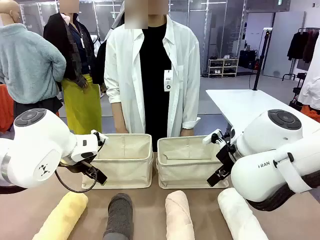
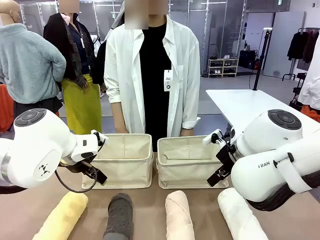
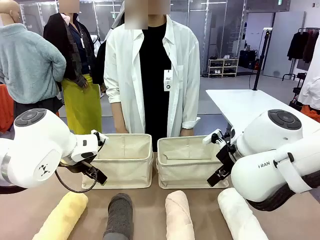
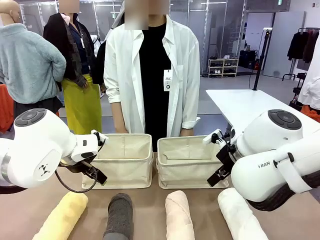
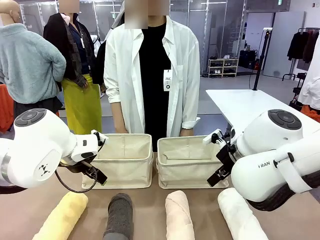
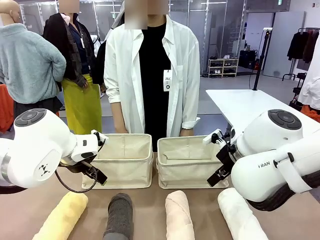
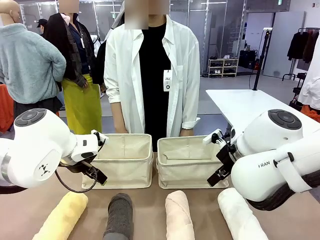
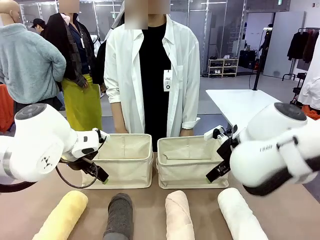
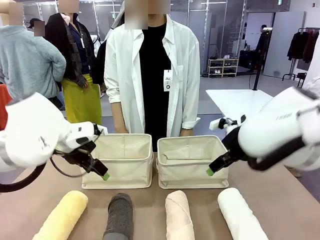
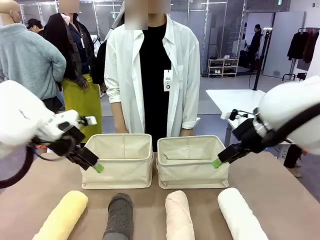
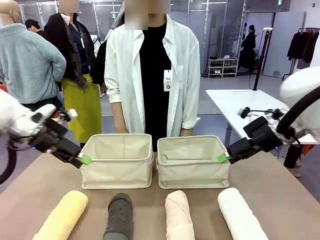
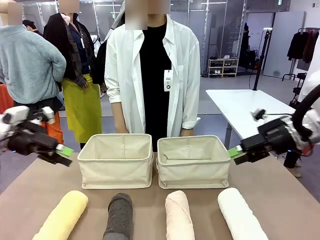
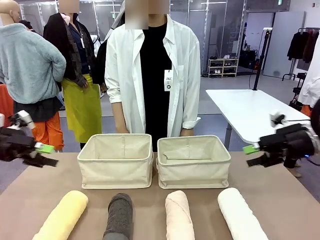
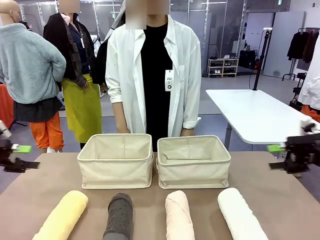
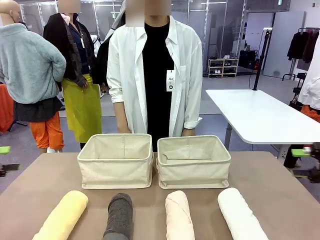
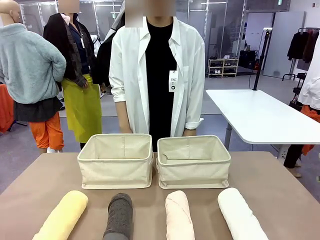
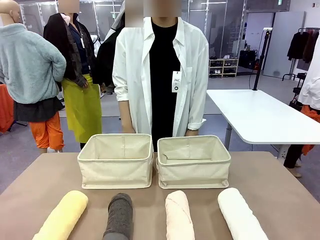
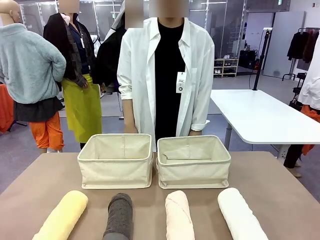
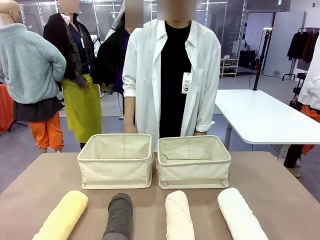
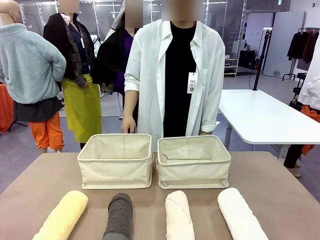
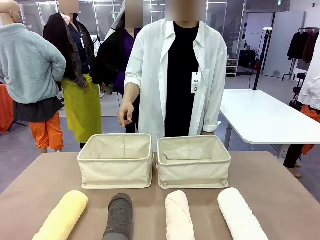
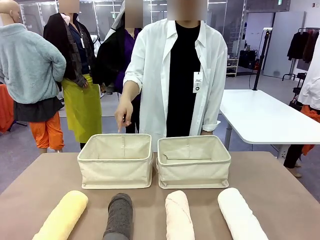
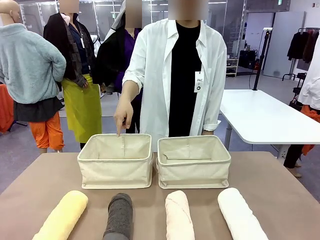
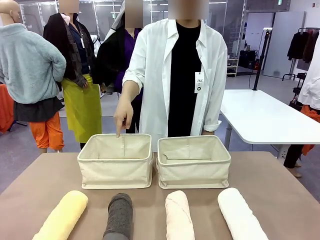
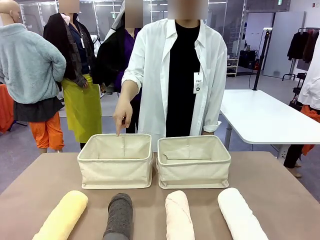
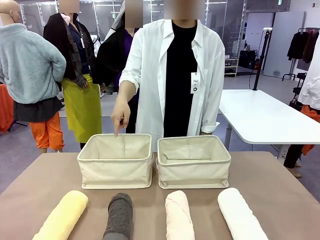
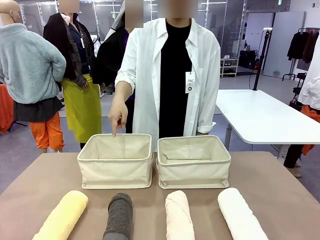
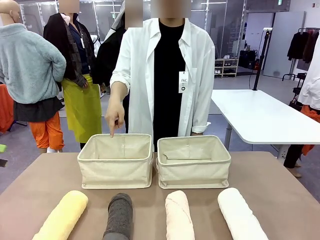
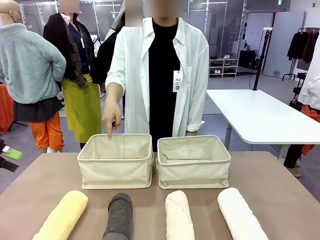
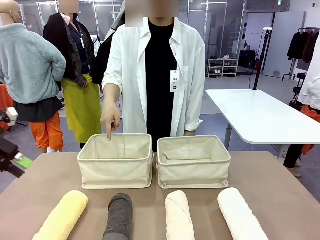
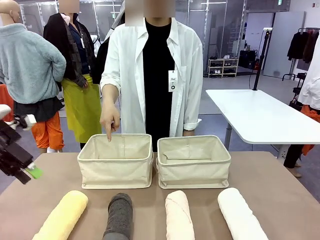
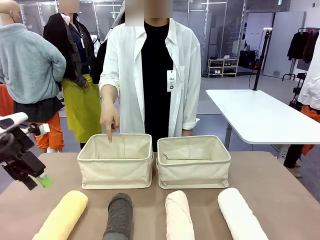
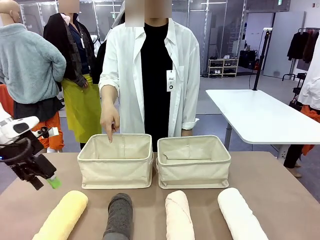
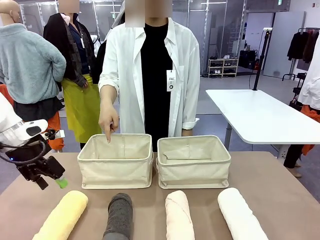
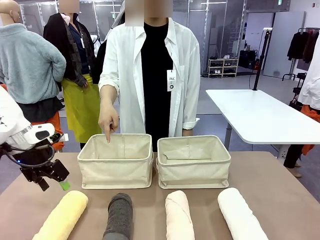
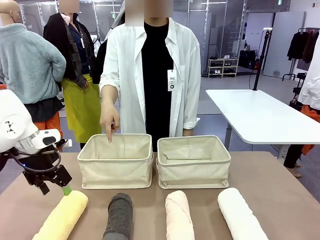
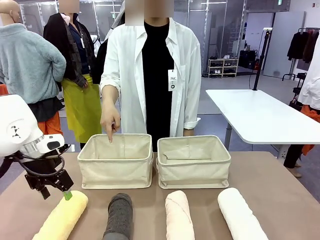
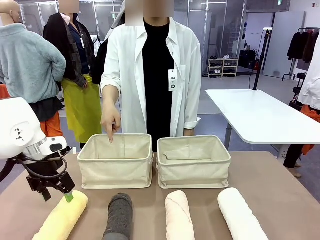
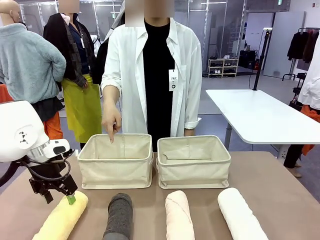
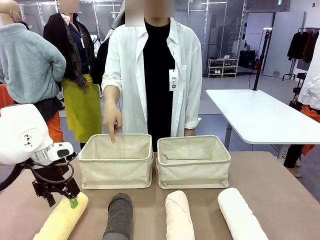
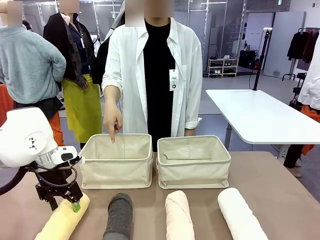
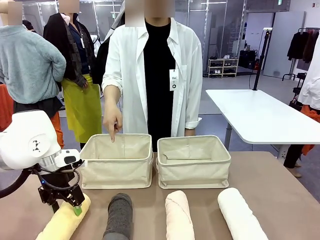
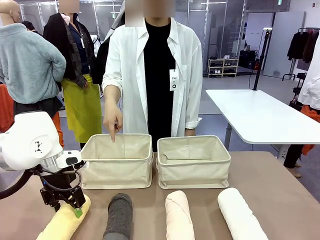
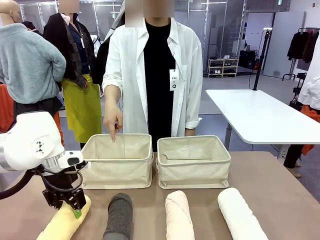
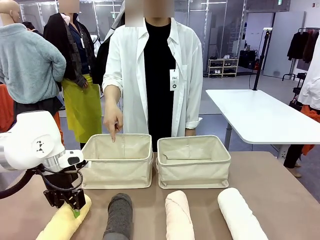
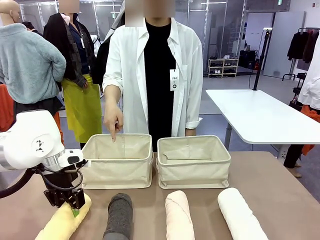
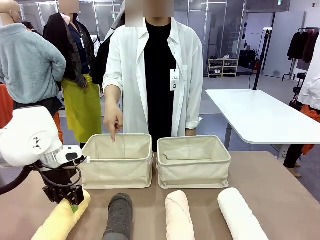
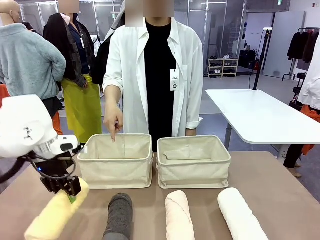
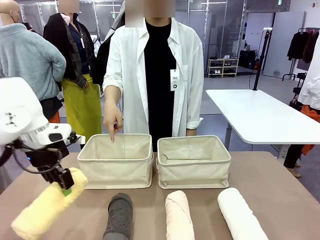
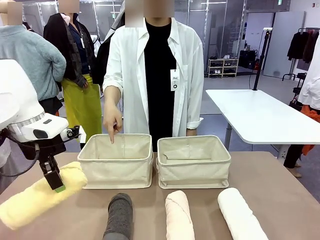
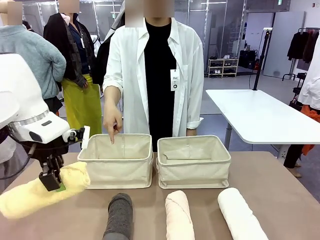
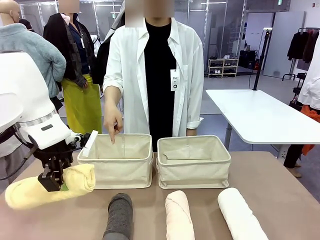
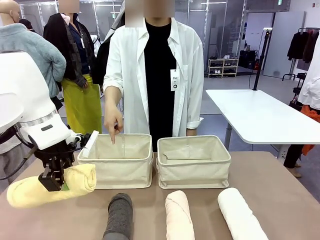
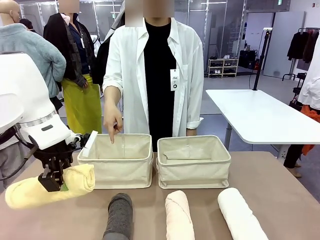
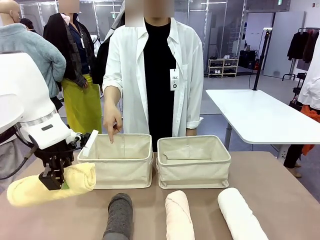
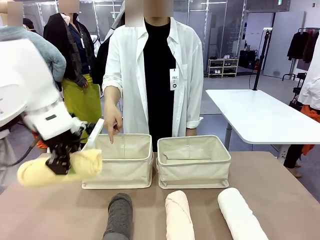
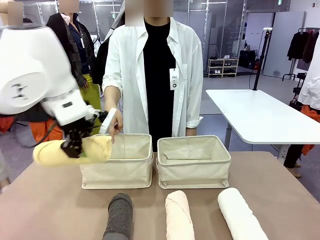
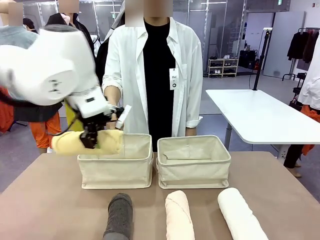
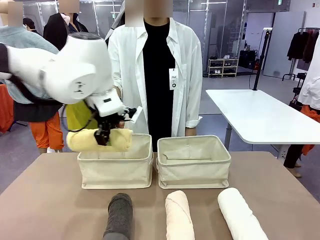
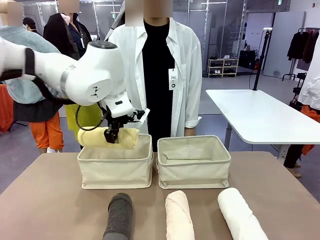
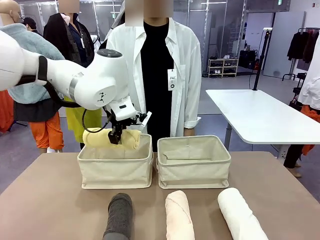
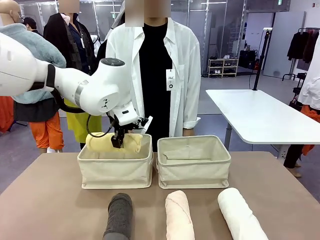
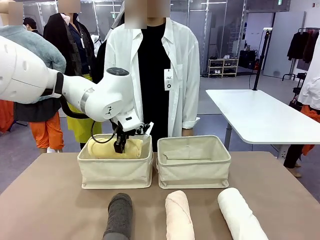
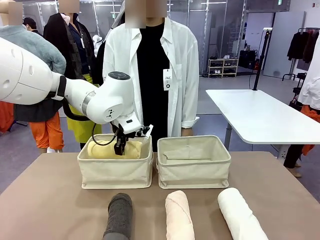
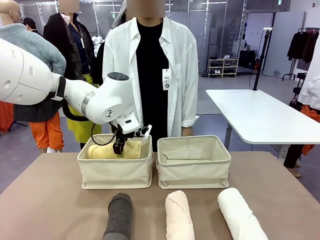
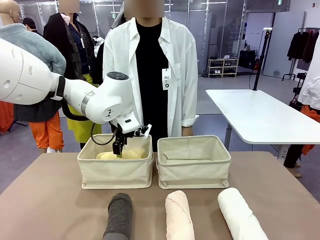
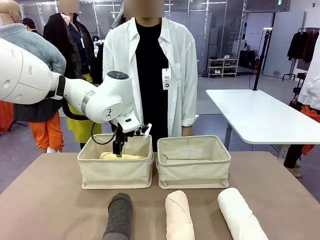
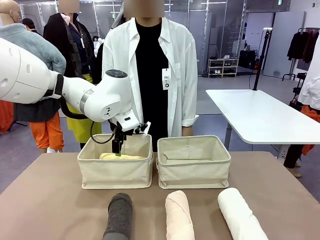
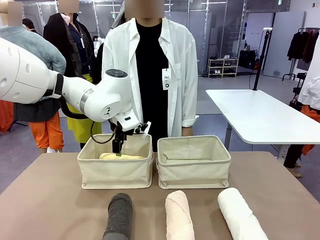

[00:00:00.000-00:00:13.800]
Task: Divide the towels into two baskets.
Robot: Pick up one hotel-folded towel and place it in the Fabric basket indicated by the person.
